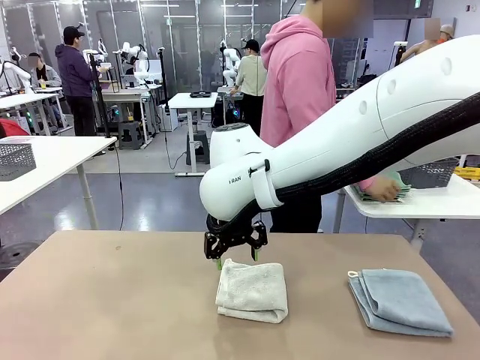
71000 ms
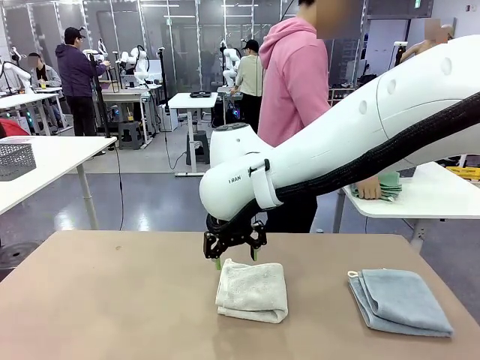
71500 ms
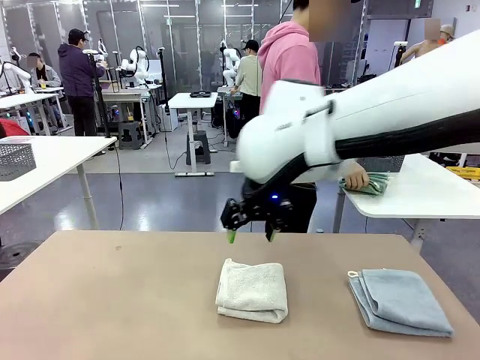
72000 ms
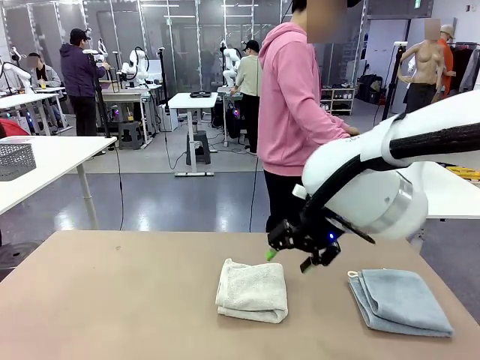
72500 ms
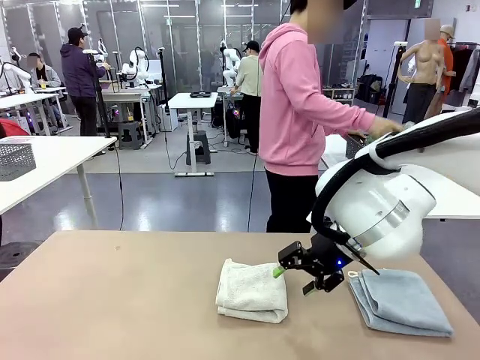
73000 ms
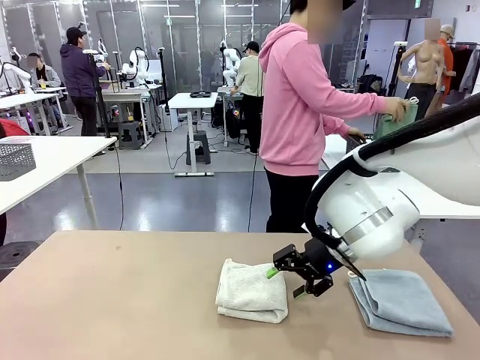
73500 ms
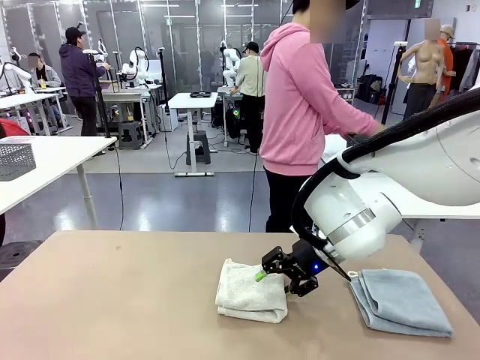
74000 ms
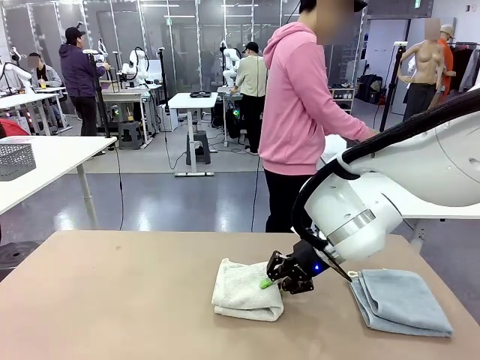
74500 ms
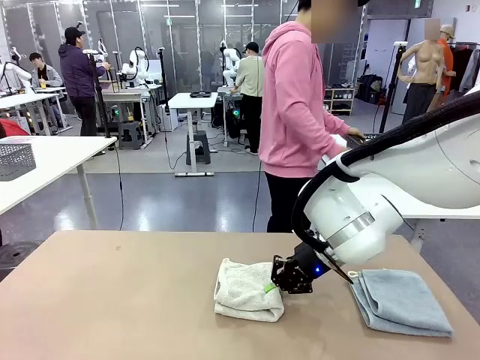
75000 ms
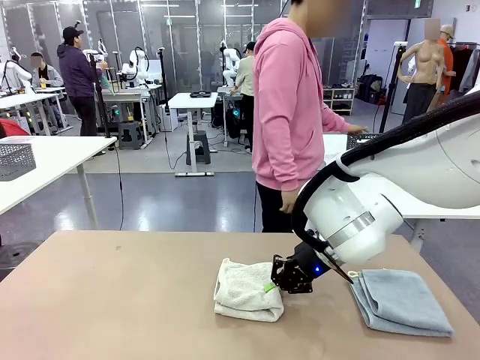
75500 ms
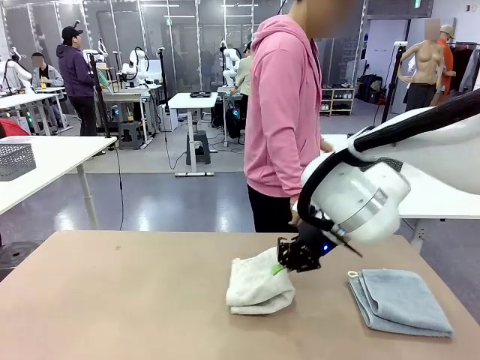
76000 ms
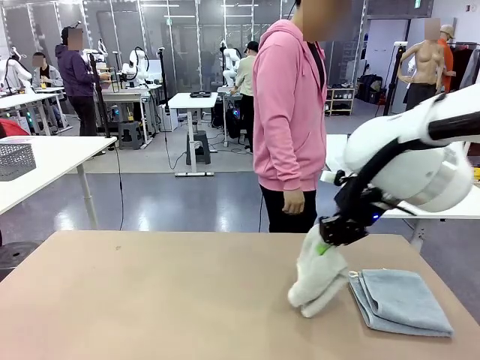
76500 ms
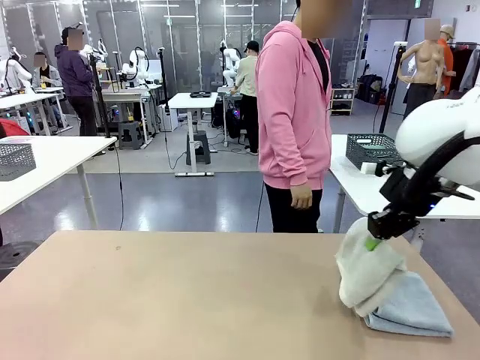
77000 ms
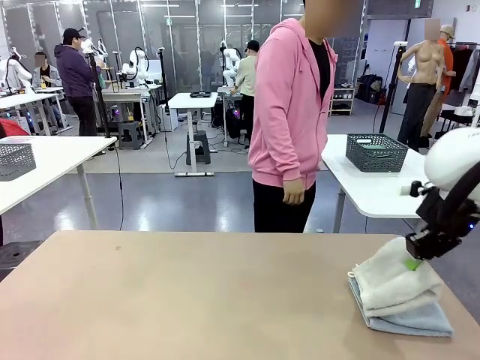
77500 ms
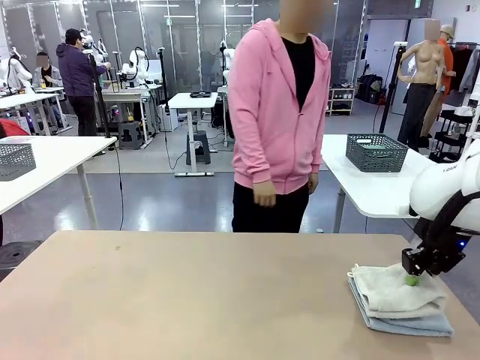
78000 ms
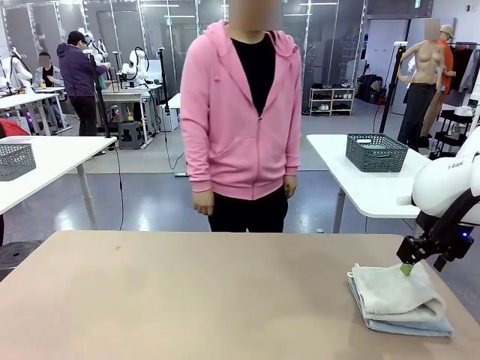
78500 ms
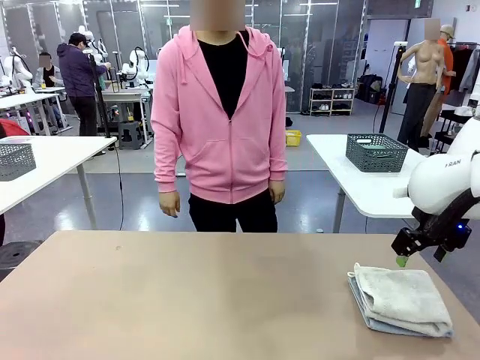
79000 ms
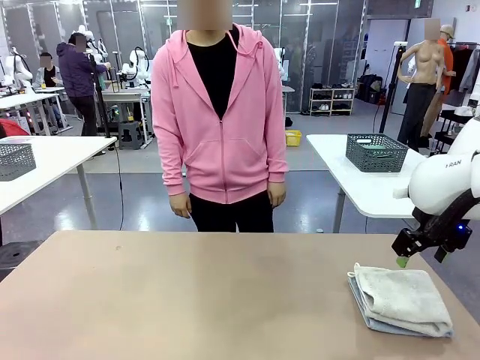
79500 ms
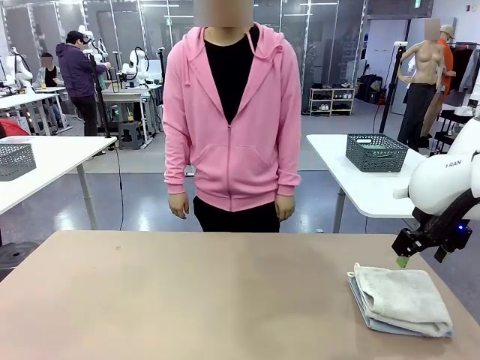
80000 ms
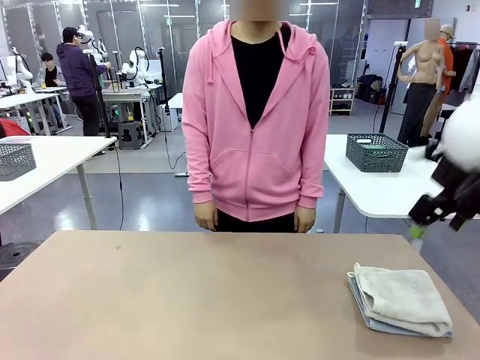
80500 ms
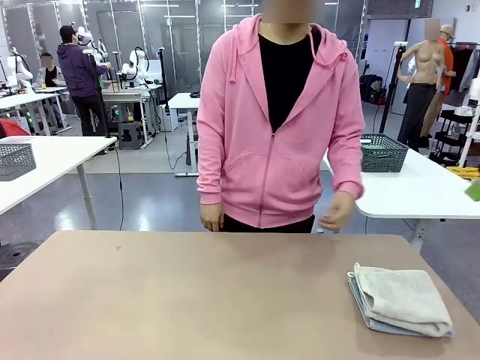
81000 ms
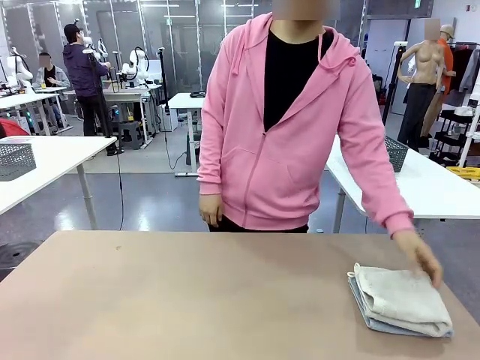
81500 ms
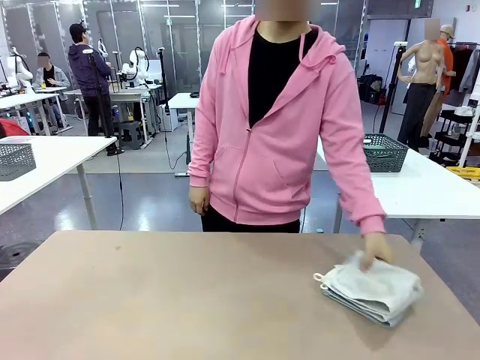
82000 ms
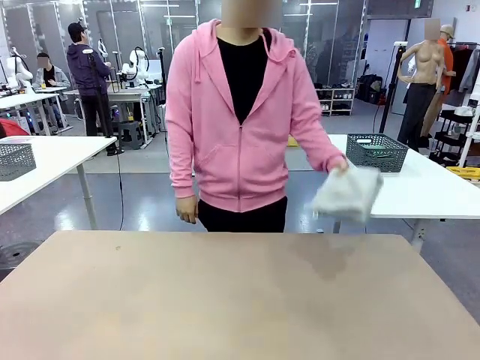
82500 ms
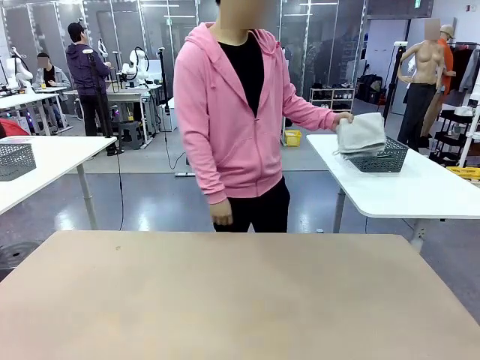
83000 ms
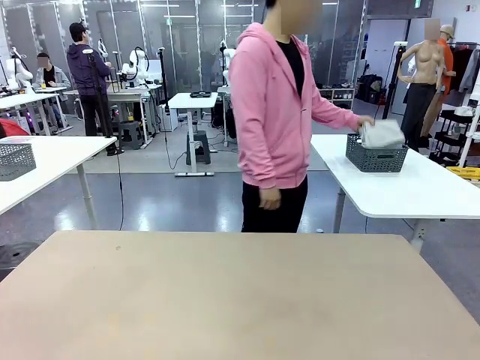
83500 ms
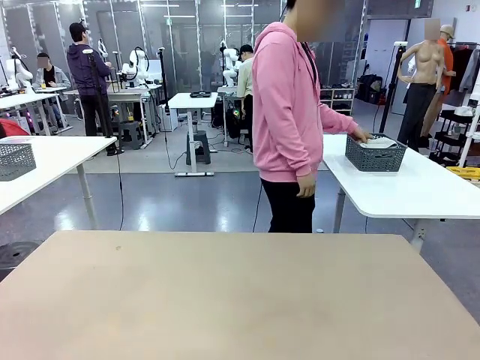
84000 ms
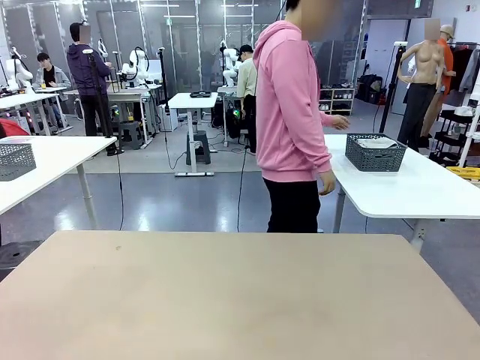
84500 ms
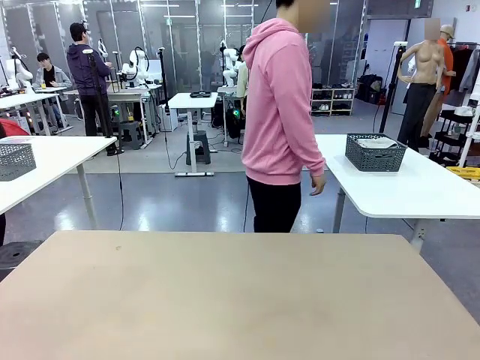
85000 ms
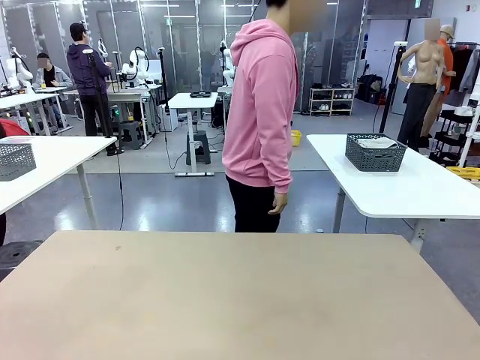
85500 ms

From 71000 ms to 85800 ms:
Task: Fold the towels and place them in the basket.
Robot: Stack the folded Towel with hook on the right side of the table.
Person: Pick up the stack of towels from the right side of the human table, place it into the basket, and put the basket at the center of the table. Pick up the stack of towels from the robot table and place it into the basket.

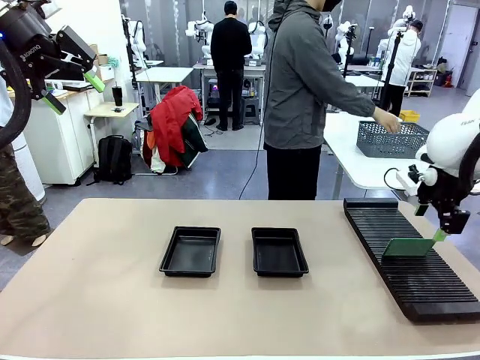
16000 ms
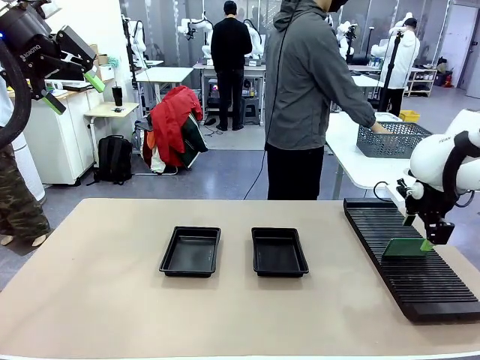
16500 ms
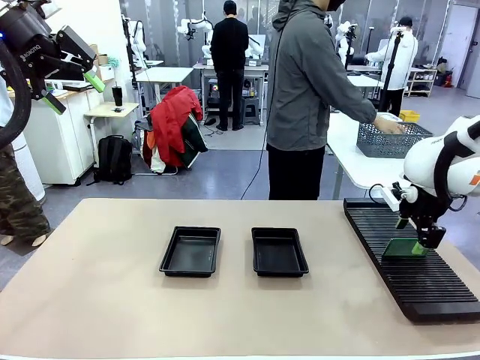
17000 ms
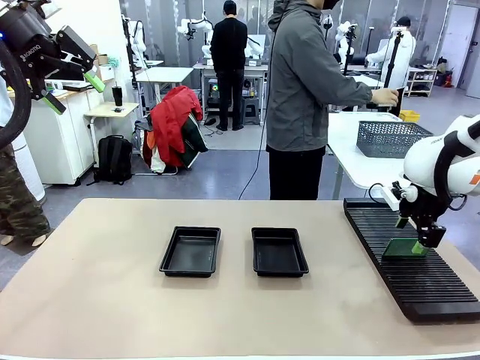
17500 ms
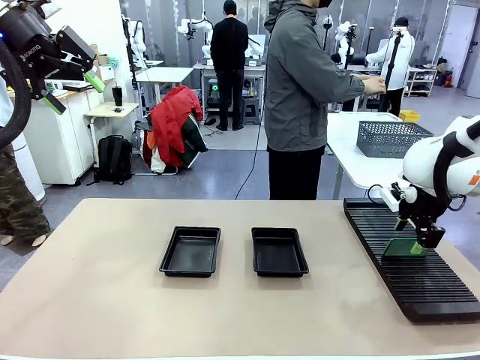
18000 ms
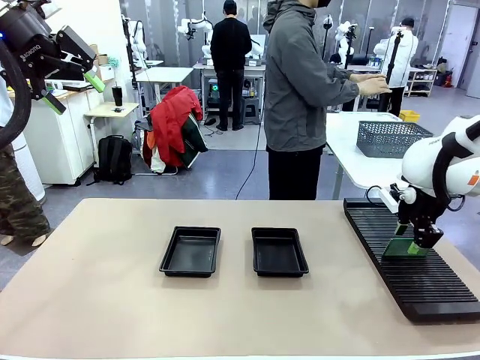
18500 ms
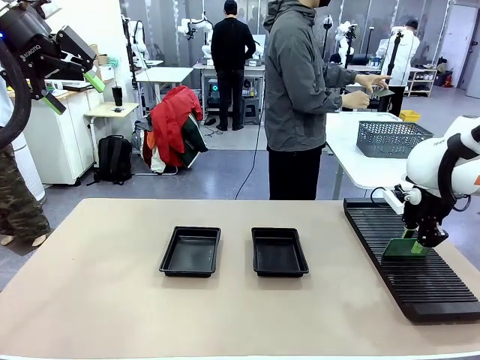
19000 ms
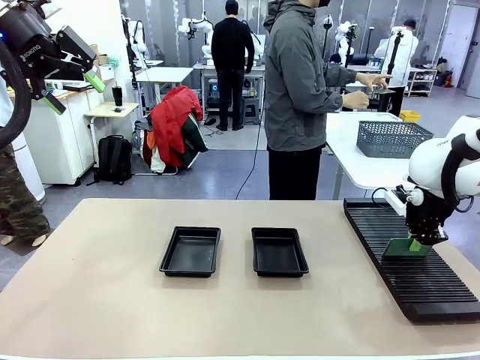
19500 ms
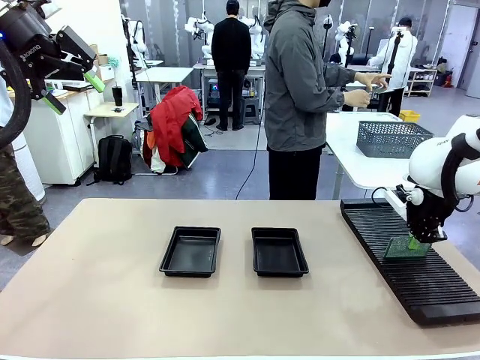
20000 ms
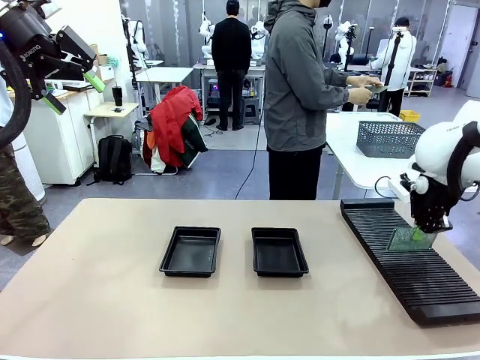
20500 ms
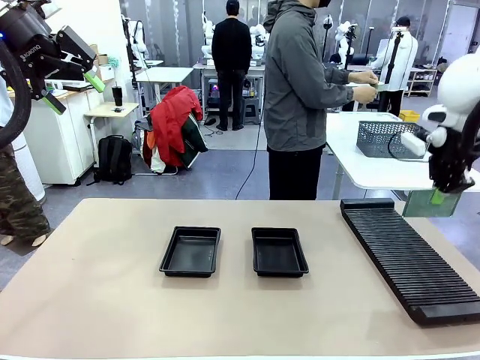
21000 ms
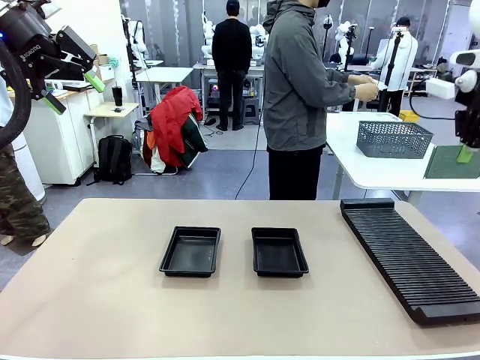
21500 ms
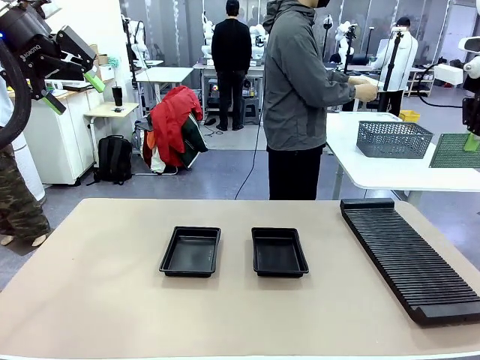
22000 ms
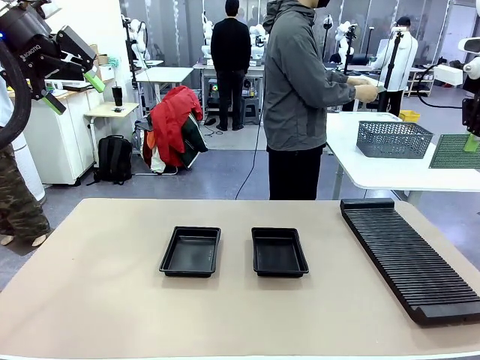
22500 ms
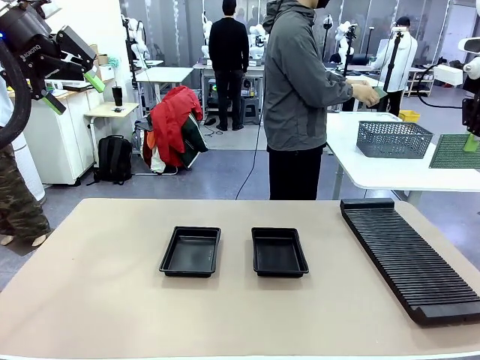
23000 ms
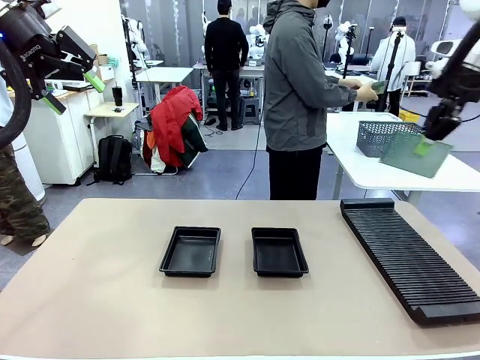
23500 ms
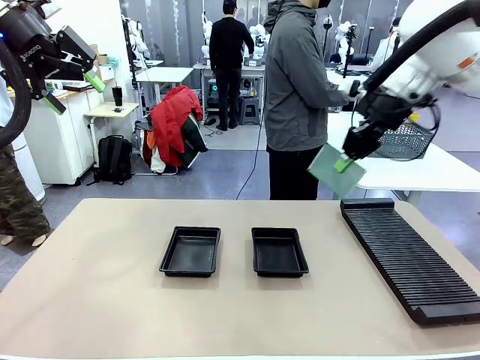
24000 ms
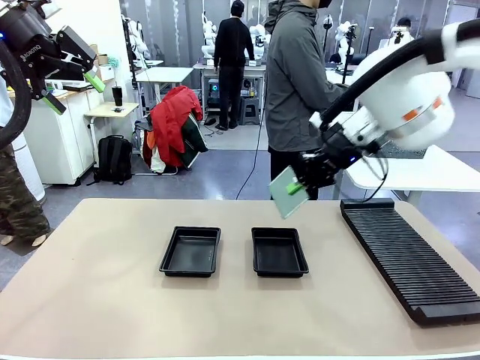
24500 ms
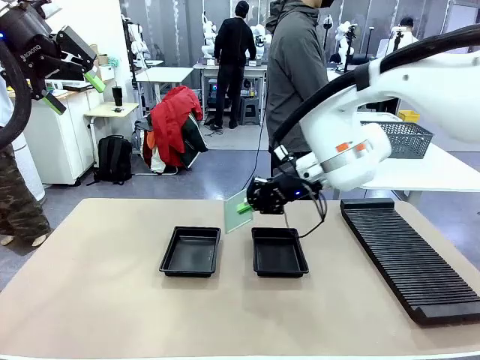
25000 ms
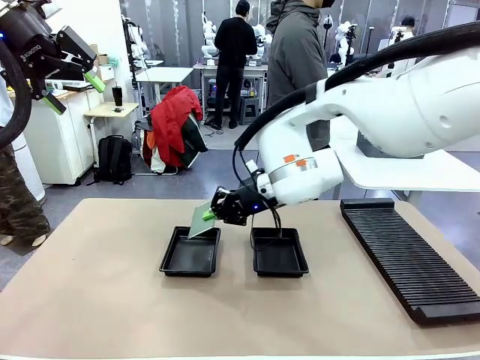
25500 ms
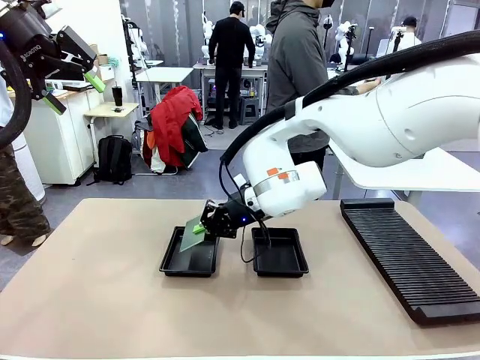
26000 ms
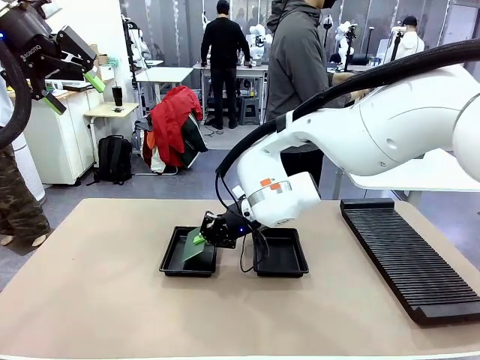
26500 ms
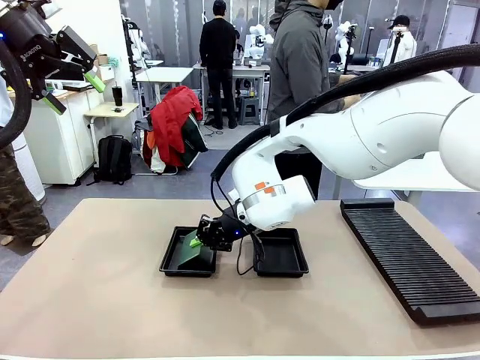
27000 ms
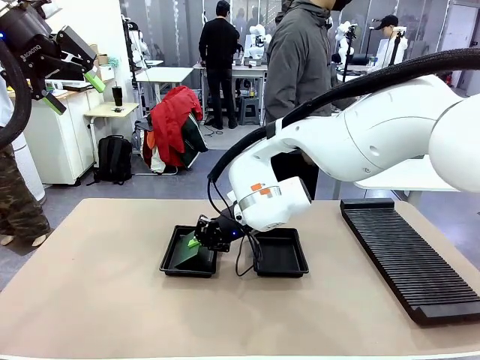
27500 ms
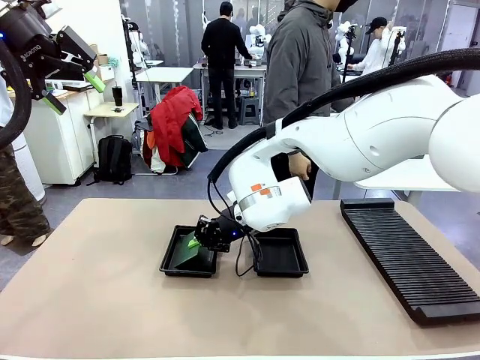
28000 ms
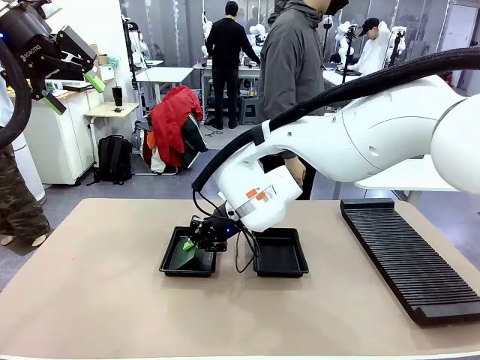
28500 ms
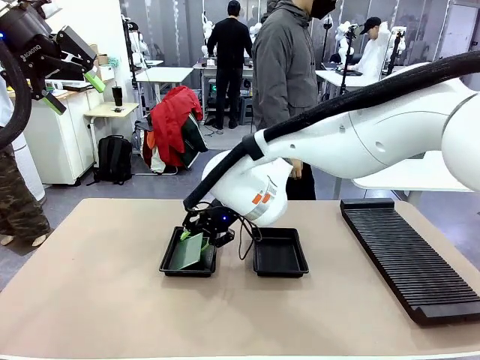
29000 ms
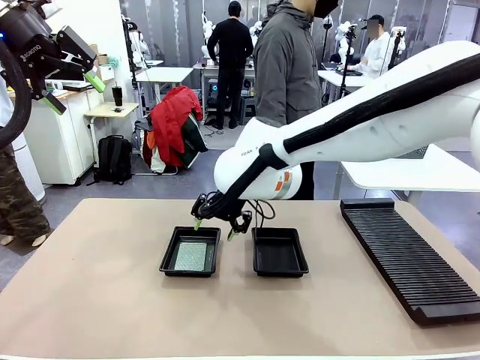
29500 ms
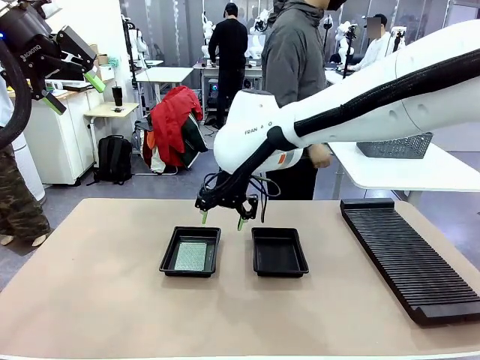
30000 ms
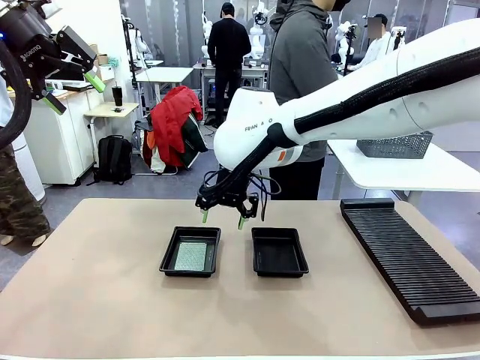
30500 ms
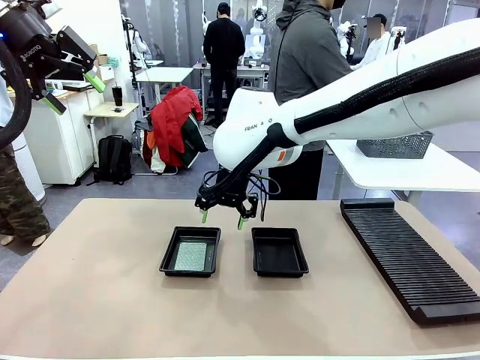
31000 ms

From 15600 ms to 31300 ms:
Task: Inspect and transfer BCBs to ESD trays.
Robot: Pick up the Blank PCB from the PCB Rack and place it in the left ESD tray.
